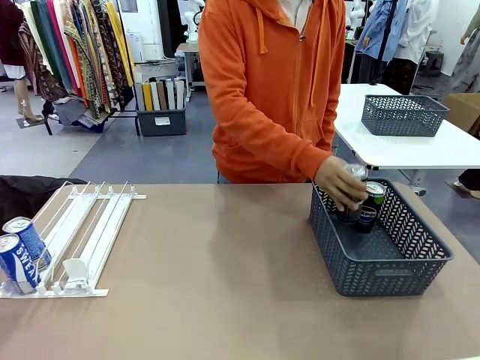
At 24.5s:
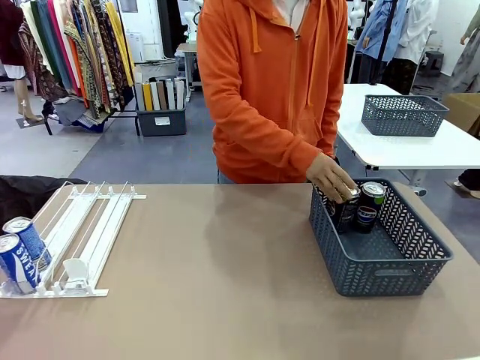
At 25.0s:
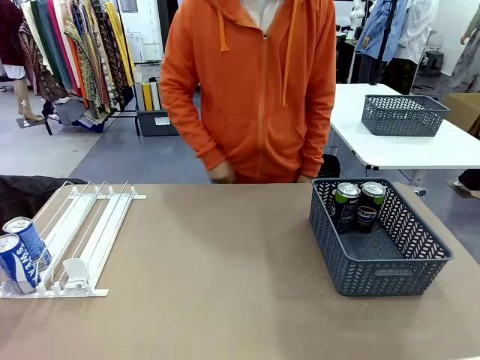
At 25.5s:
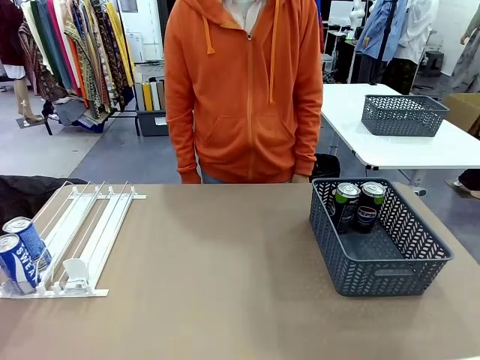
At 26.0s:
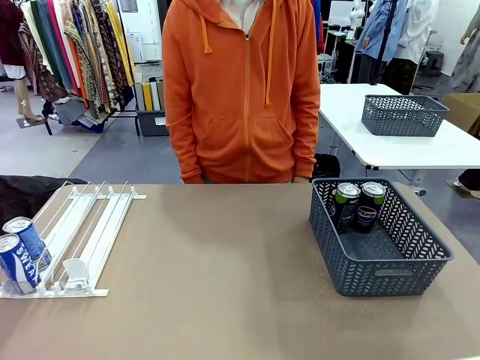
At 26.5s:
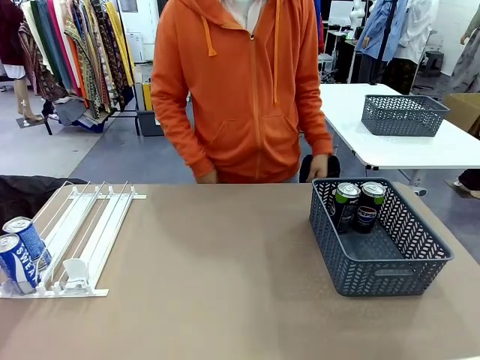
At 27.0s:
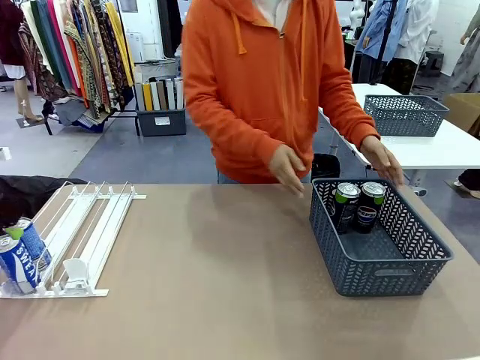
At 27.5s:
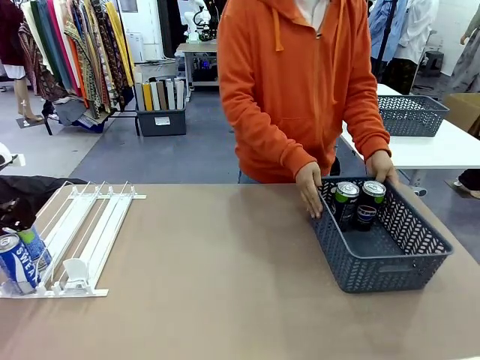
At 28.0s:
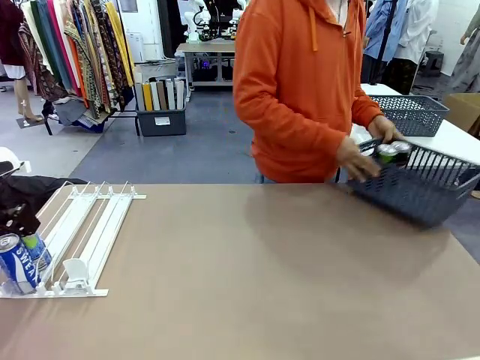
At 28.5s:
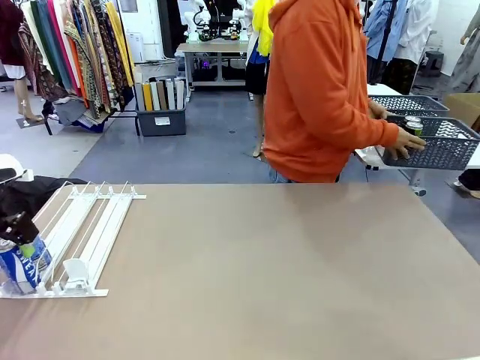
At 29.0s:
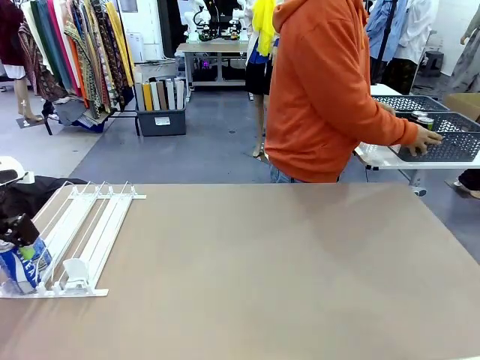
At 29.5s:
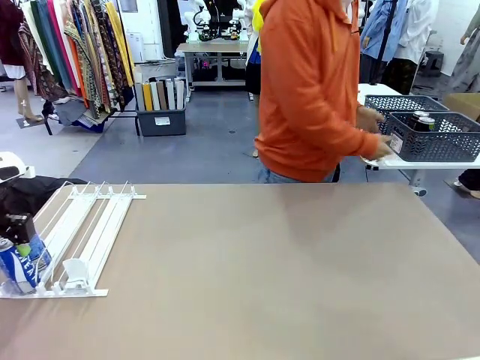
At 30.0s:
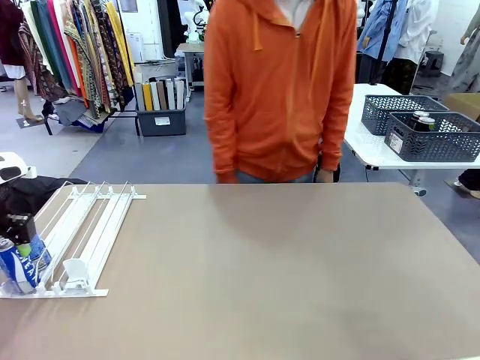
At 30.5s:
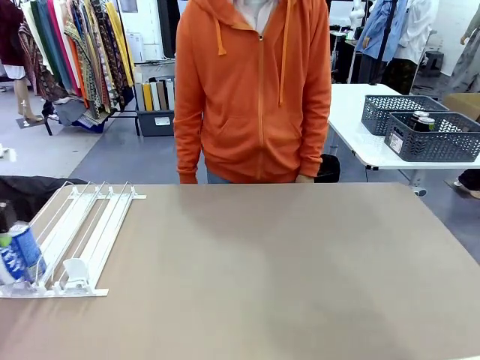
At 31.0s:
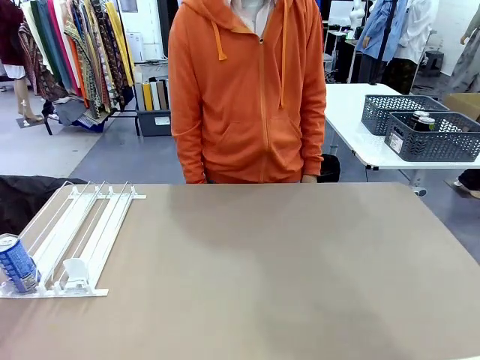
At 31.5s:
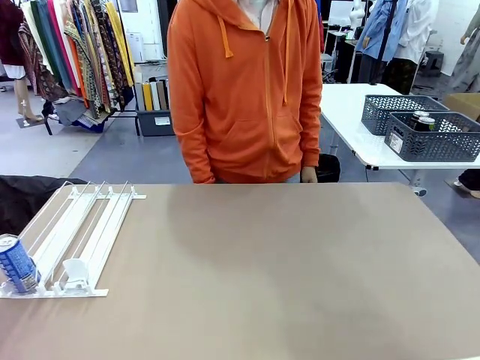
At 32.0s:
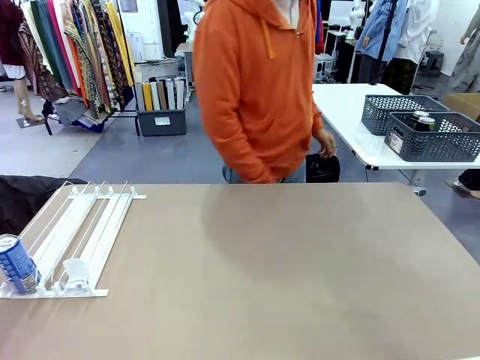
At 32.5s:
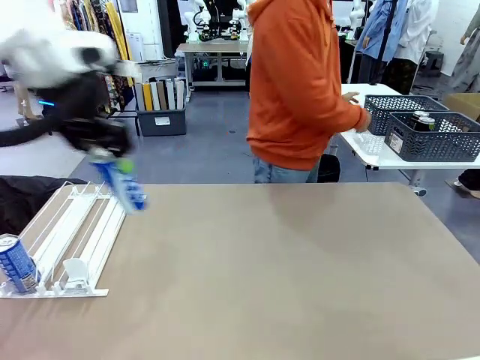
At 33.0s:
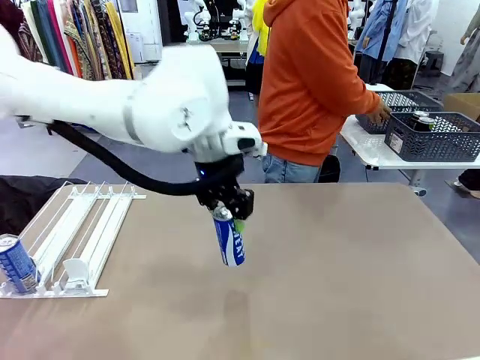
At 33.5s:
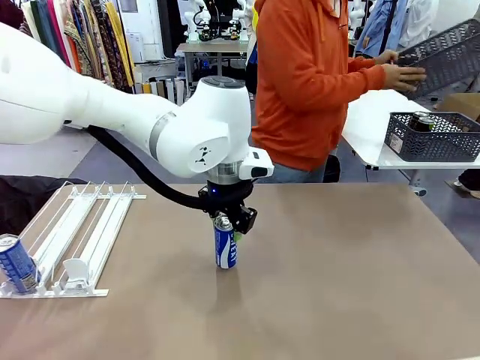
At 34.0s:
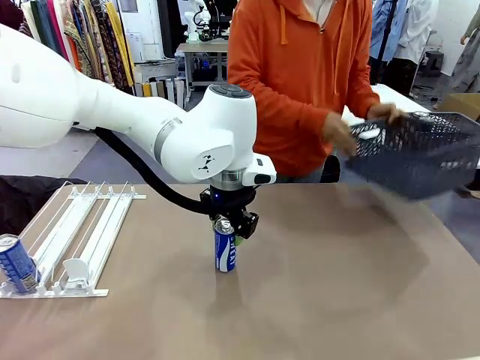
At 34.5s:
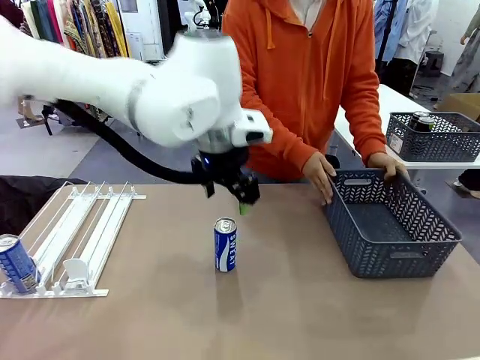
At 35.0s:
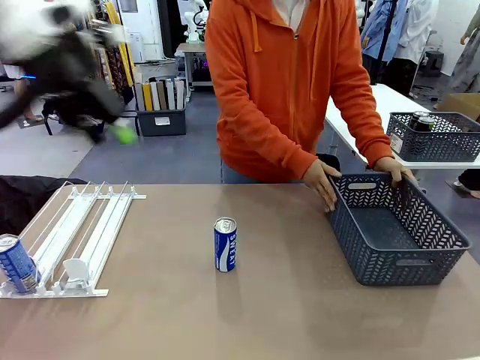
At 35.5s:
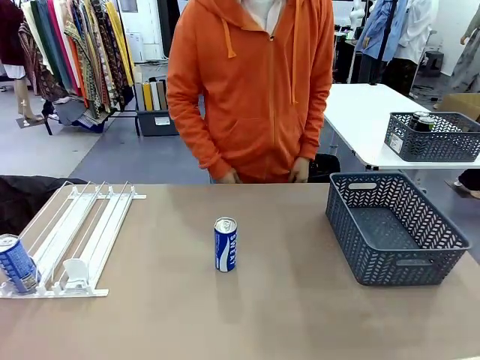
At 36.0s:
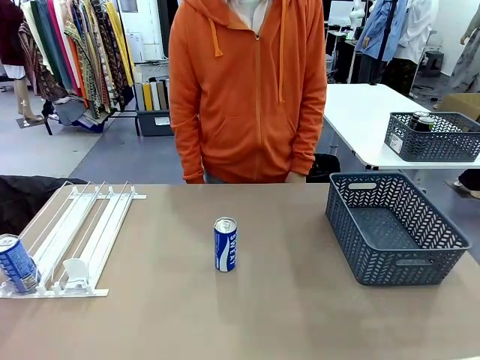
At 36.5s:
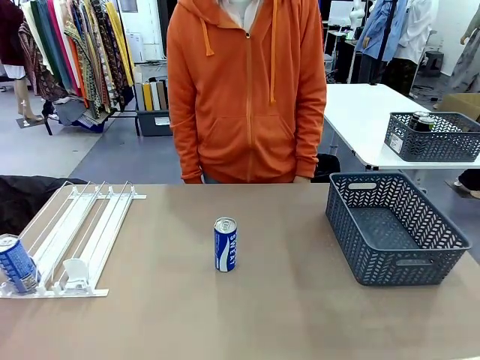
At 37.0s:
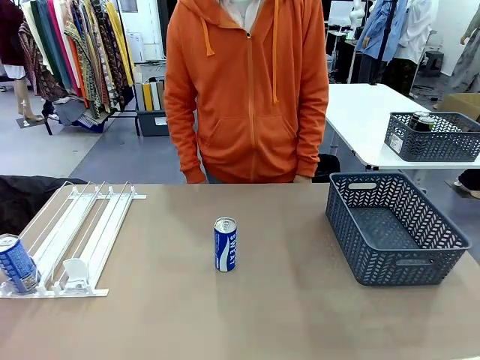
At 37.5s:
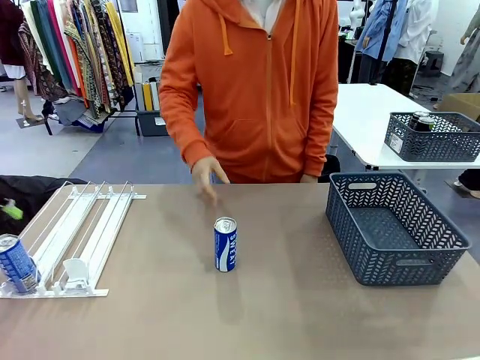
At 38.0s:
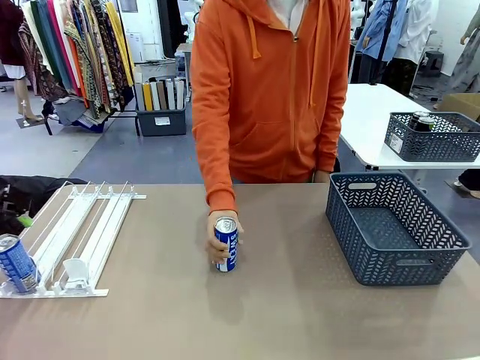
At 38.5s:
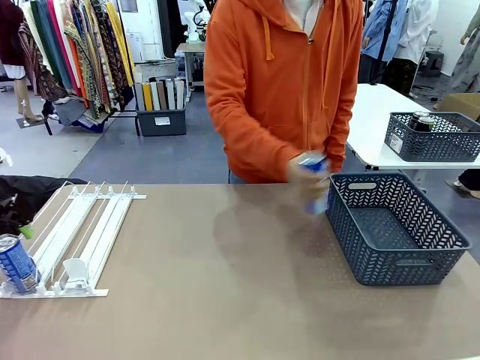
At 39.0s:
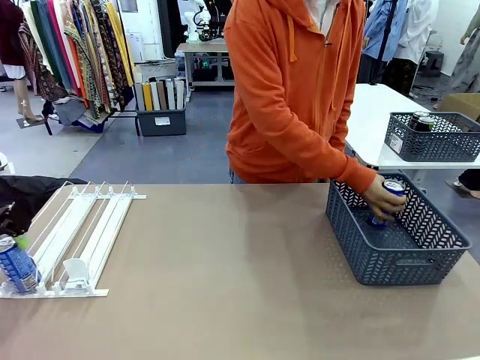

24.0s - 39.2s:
Task: Retrieve and store the cans from the dispenser.
Robot: Pick up one can from the Automatic Can Dispenser and place it in the middle of the table.
Person: Pick up the basket and place it in the middle of the human table. Pick up the empty basket and place it on the left side of the robot table.

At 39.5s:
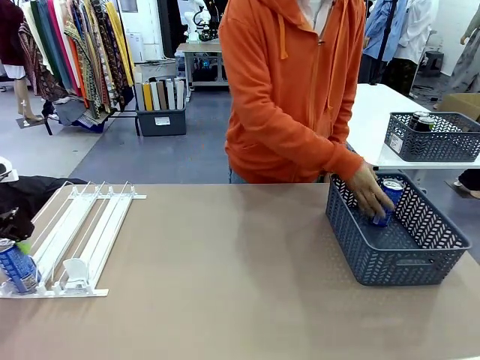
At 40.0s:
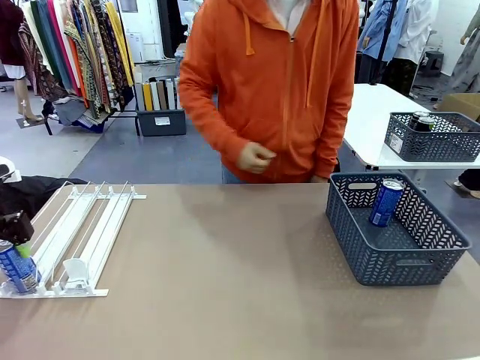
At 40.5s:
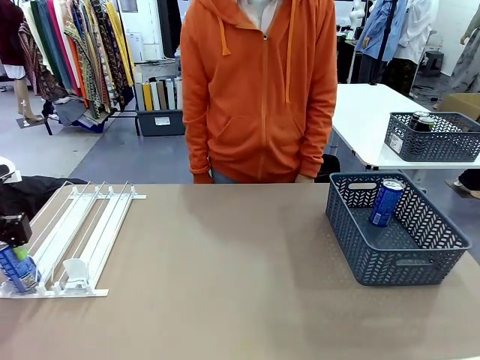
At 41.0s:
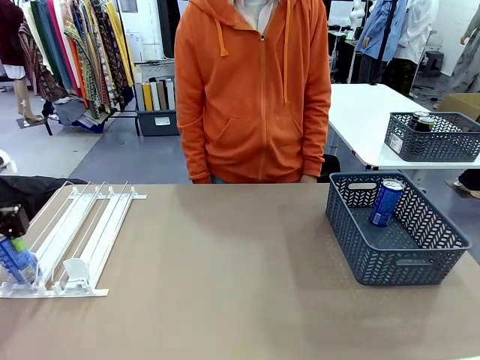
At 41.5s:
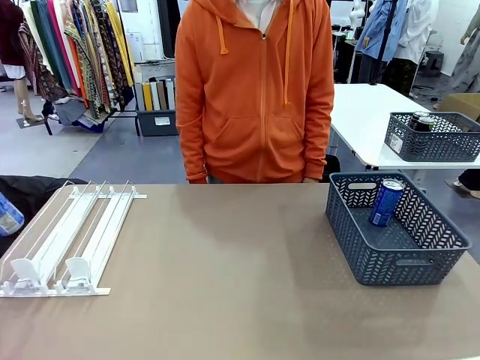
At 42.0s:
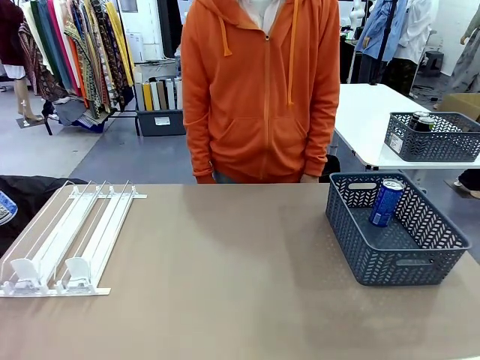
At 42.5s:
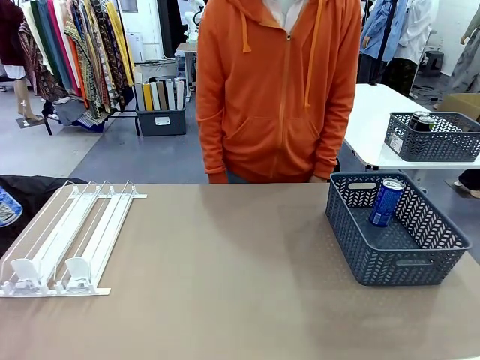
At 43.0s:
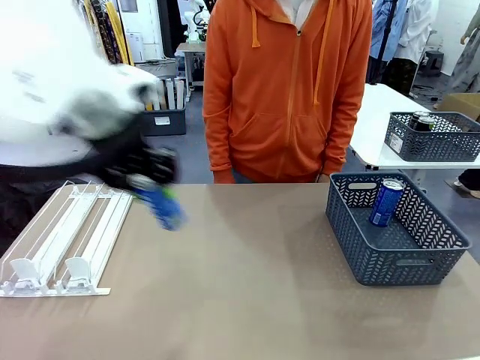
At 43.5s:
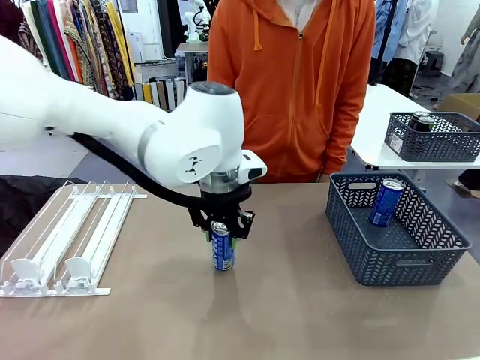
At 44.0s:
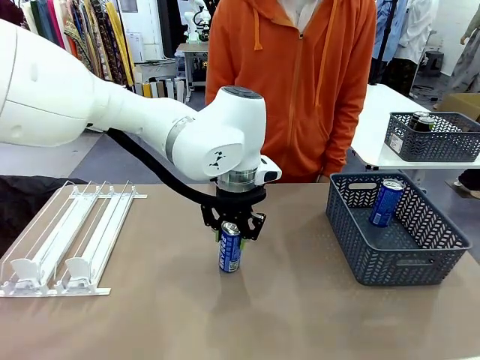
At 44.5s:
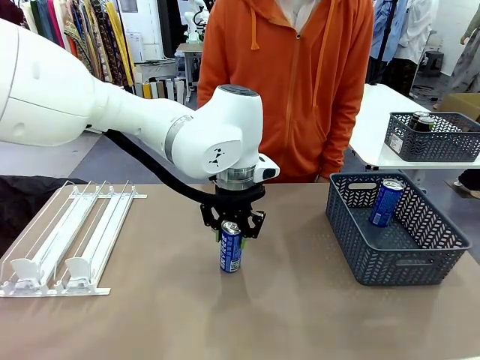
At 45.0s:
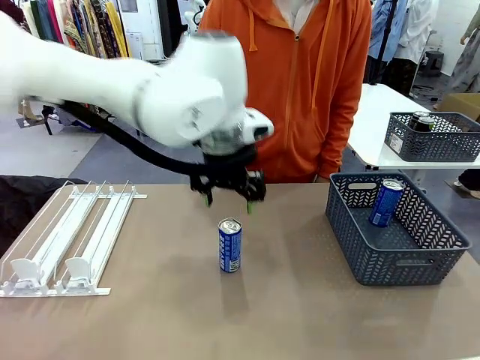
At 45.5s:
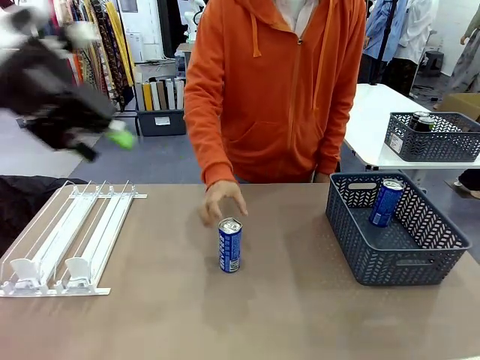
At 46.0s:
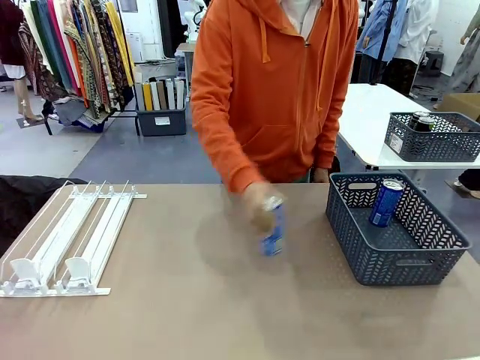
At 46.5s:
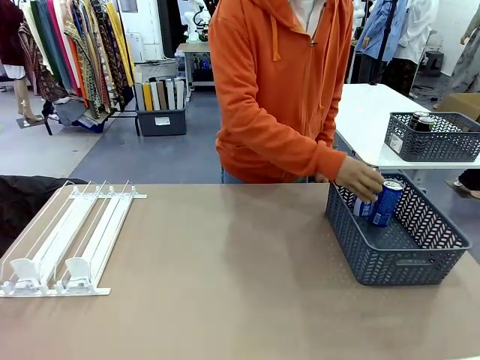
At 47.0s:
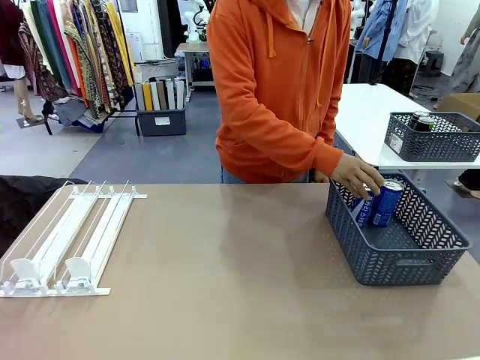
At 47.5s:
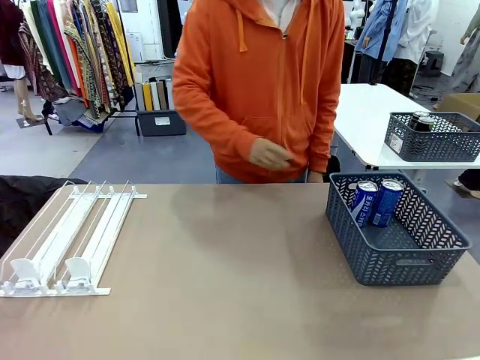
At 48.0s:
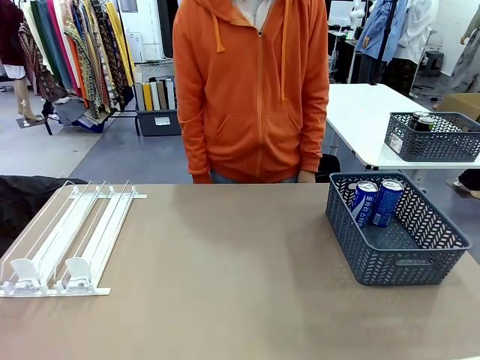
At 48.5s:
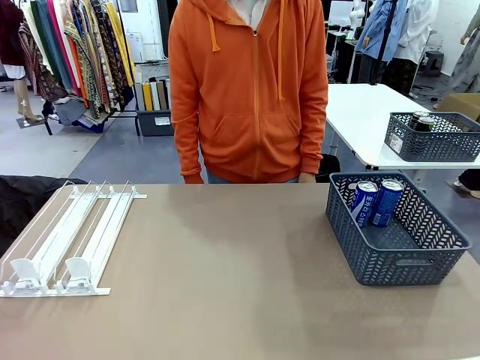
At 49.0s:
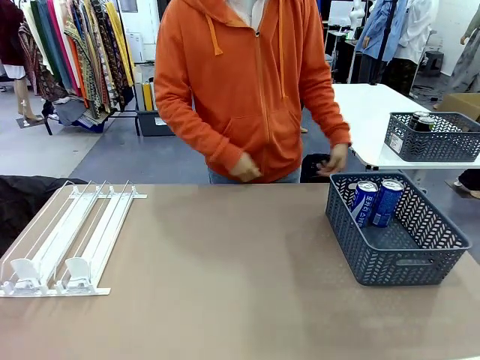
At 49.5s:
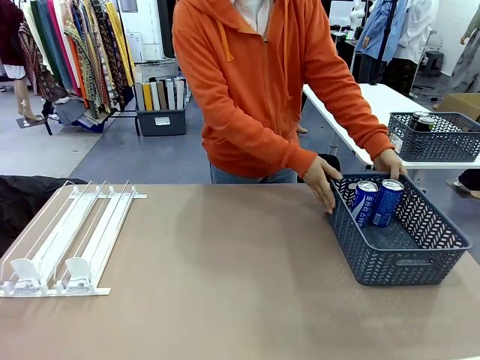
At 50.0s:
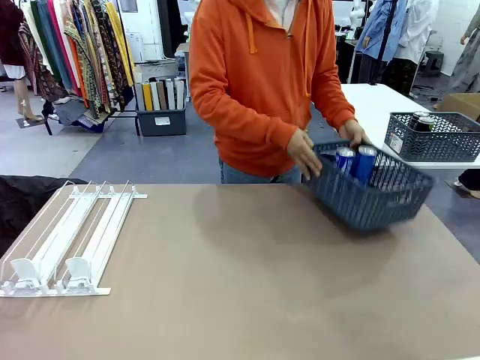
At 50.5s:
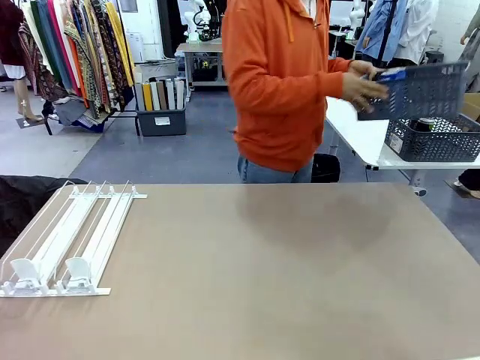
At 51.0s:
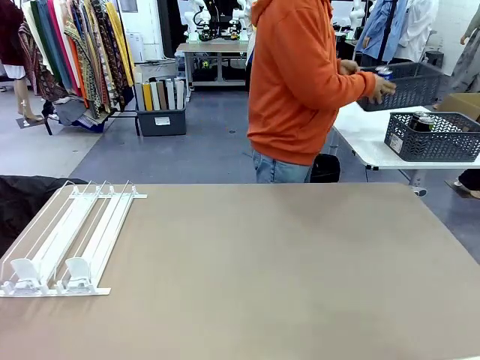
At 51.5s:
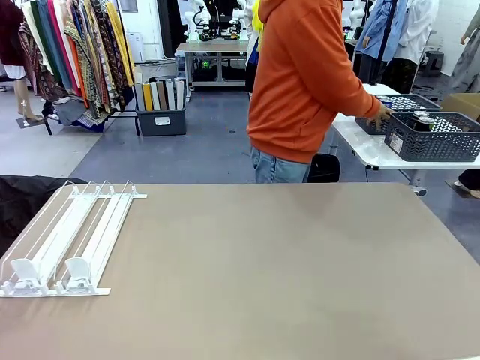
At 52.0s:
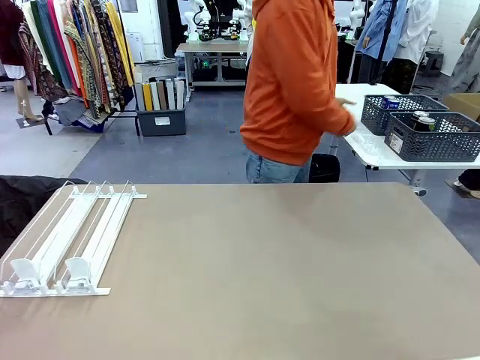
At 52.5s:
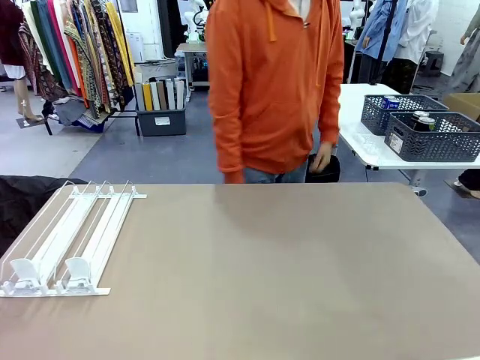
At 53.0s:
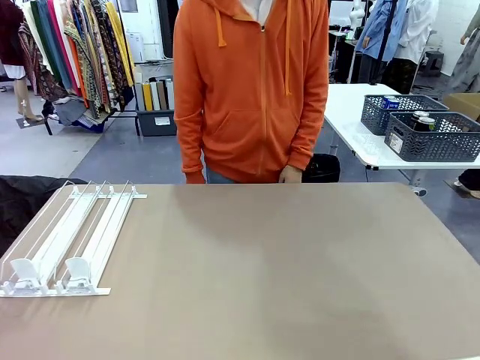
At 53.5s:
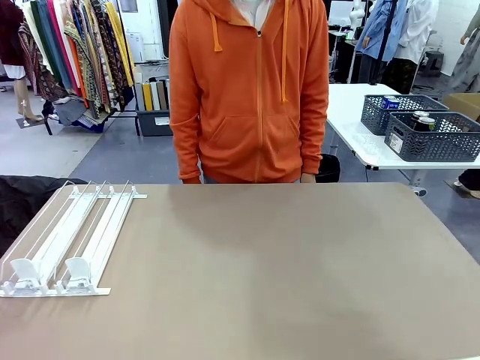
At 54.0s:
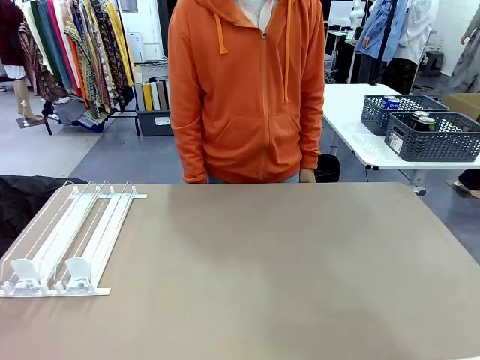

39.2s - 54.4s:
Robot: Pick up one can from the Automatic Can Dispenser and place it in the middle of the table.
Person: Pick up one sports drink can from the middle of the robot table and place it in the basket. Pick up the basket and place it in the middle of the human table.
